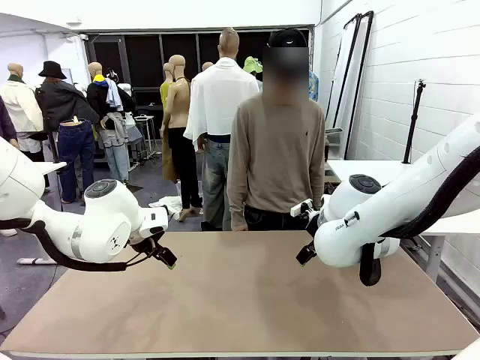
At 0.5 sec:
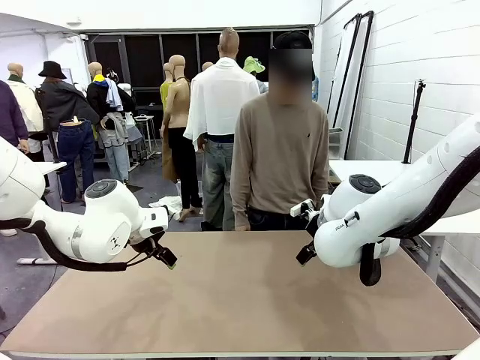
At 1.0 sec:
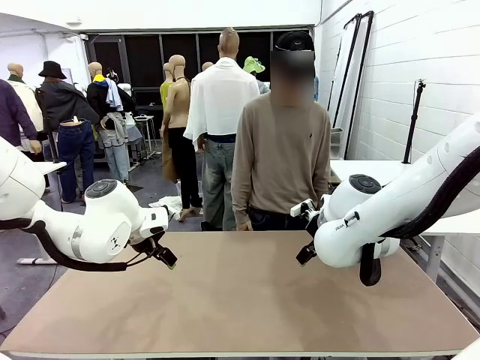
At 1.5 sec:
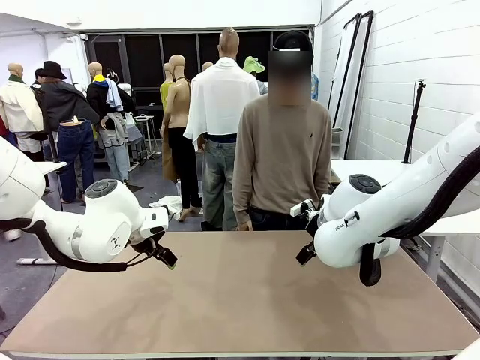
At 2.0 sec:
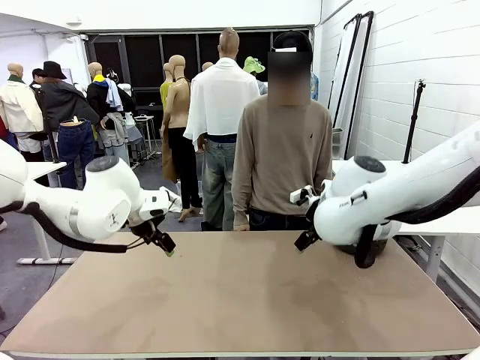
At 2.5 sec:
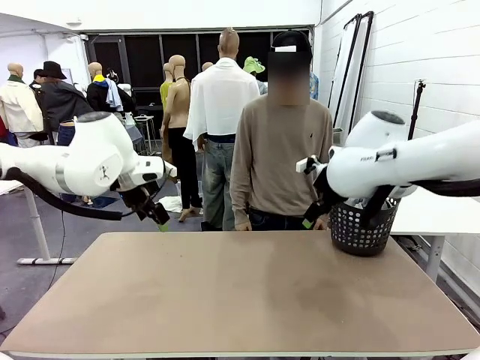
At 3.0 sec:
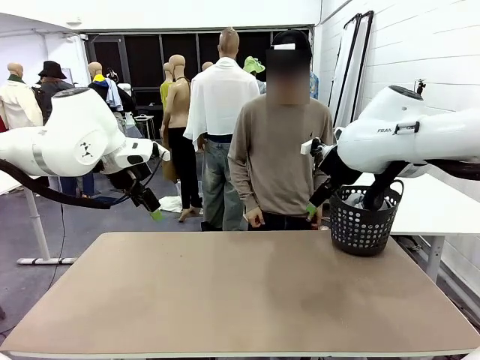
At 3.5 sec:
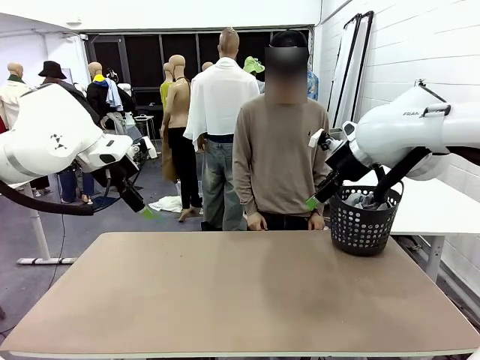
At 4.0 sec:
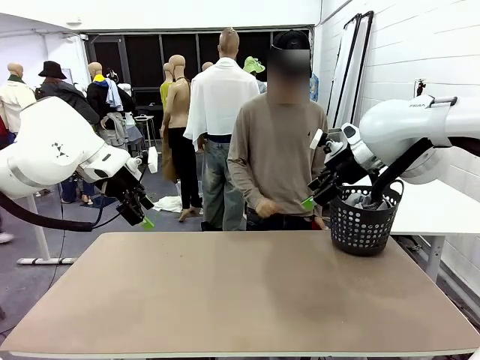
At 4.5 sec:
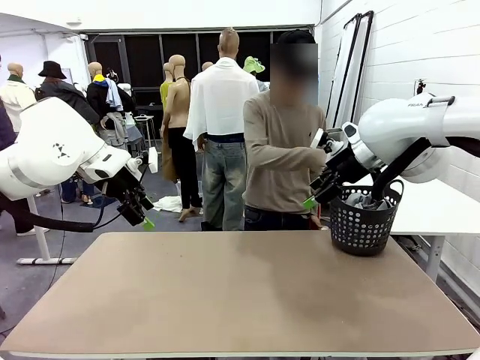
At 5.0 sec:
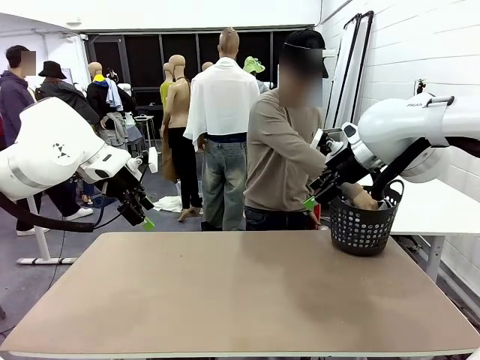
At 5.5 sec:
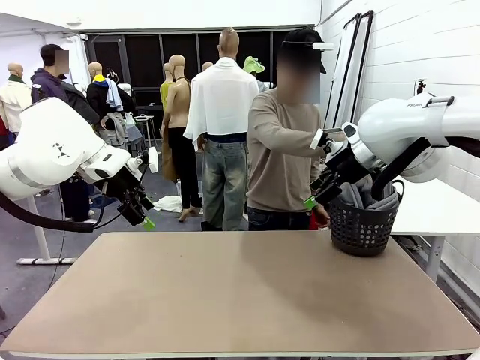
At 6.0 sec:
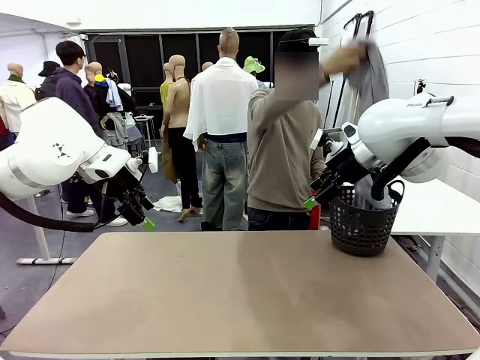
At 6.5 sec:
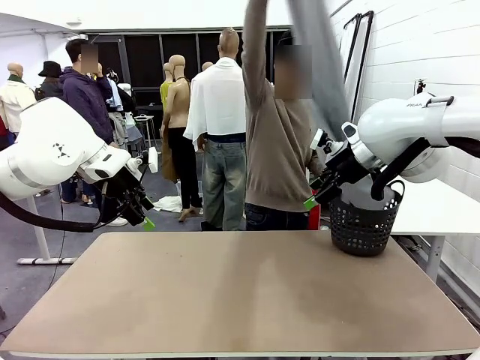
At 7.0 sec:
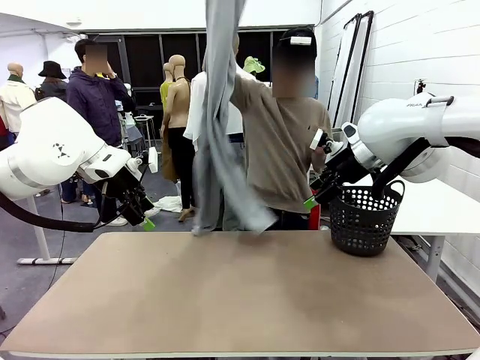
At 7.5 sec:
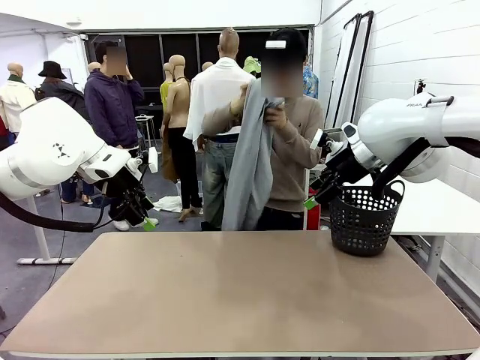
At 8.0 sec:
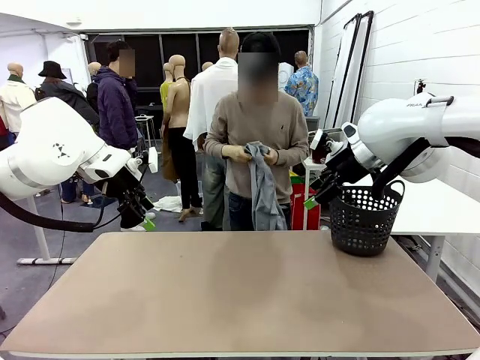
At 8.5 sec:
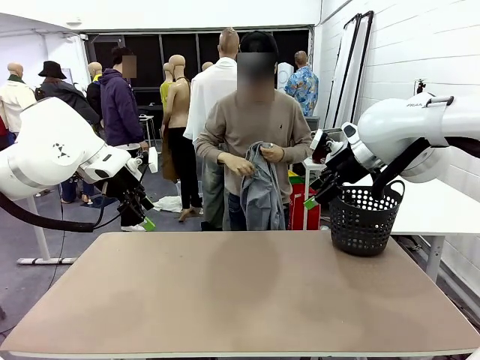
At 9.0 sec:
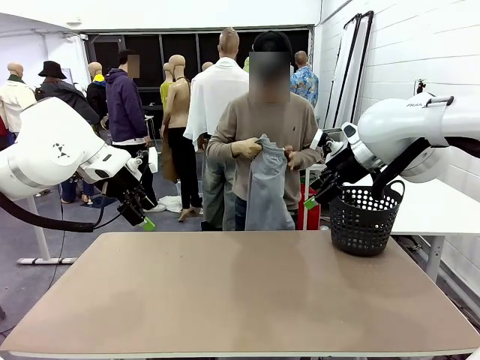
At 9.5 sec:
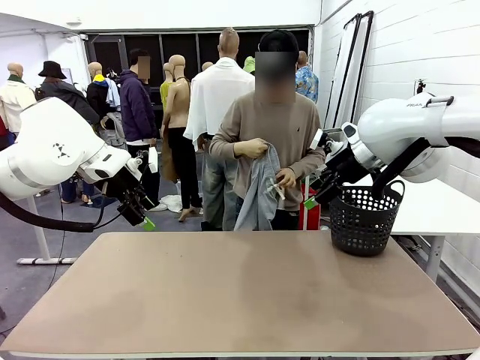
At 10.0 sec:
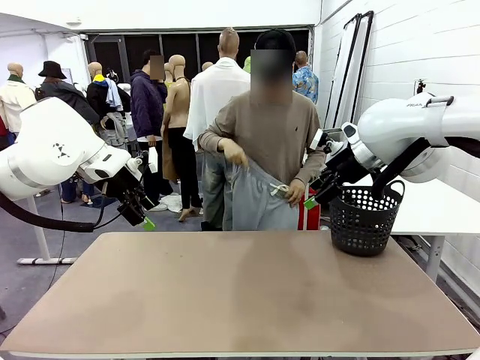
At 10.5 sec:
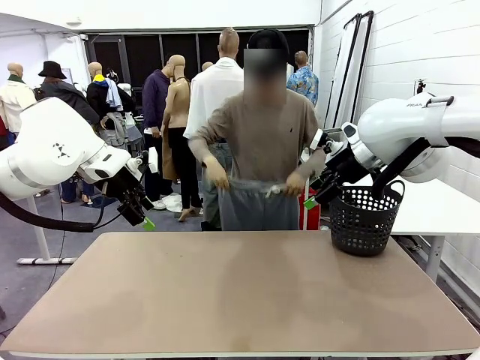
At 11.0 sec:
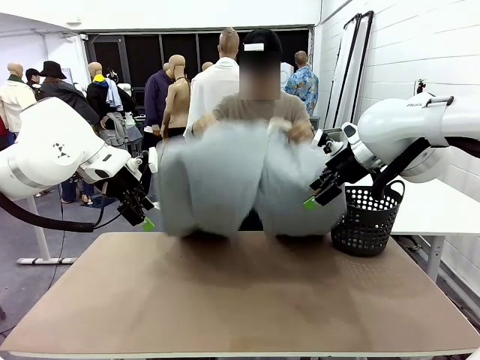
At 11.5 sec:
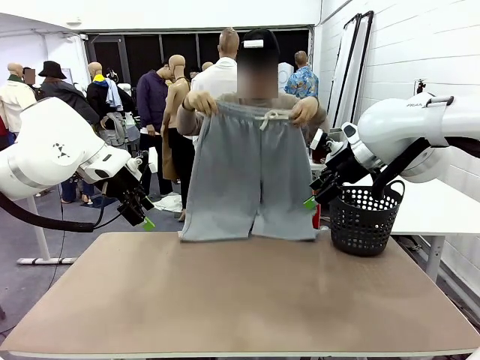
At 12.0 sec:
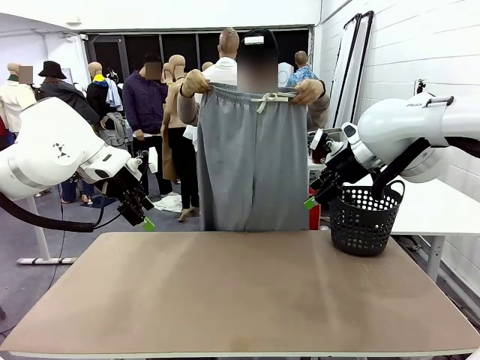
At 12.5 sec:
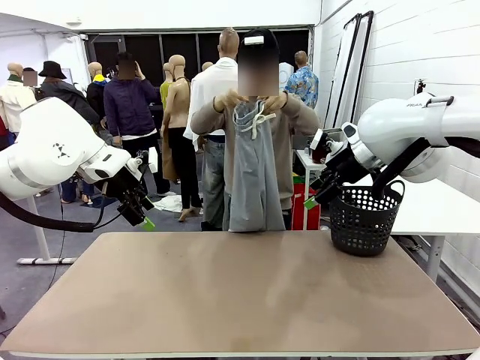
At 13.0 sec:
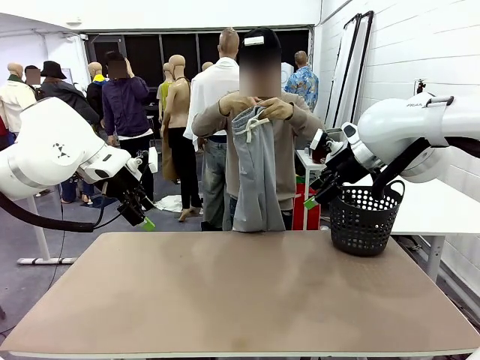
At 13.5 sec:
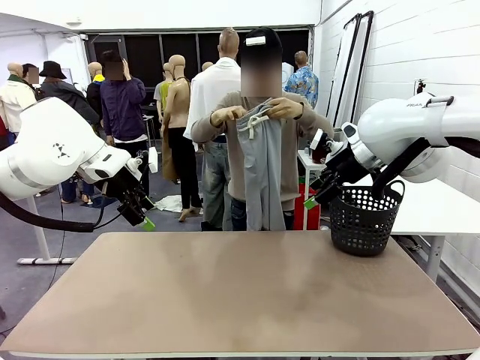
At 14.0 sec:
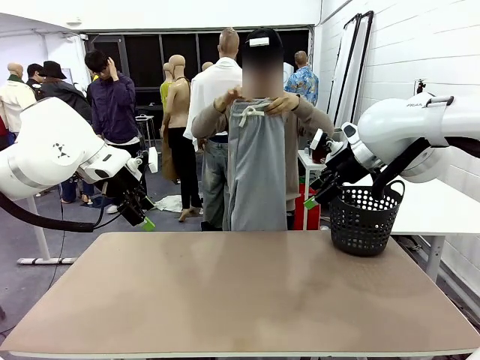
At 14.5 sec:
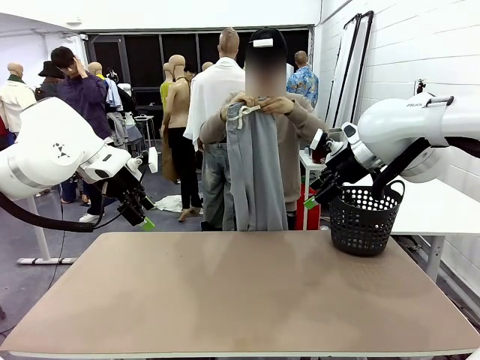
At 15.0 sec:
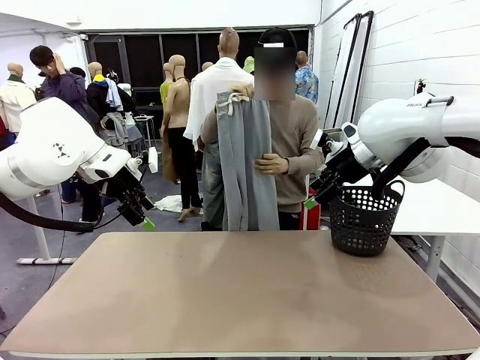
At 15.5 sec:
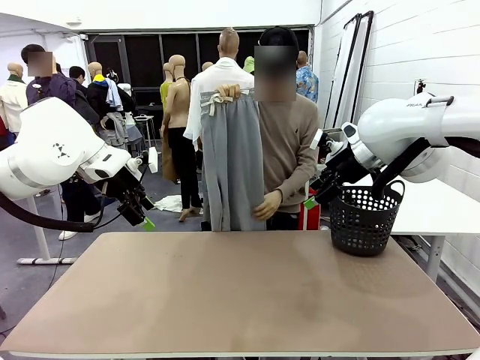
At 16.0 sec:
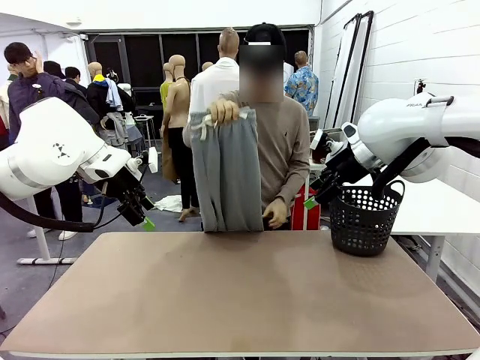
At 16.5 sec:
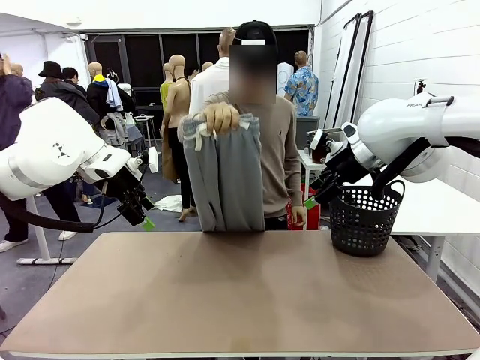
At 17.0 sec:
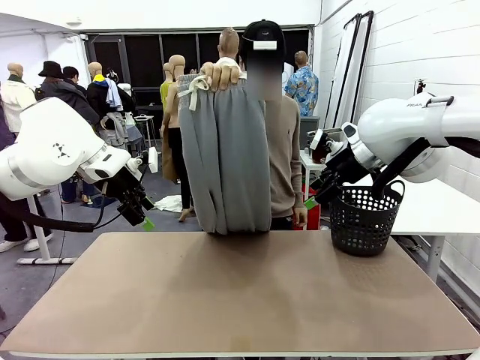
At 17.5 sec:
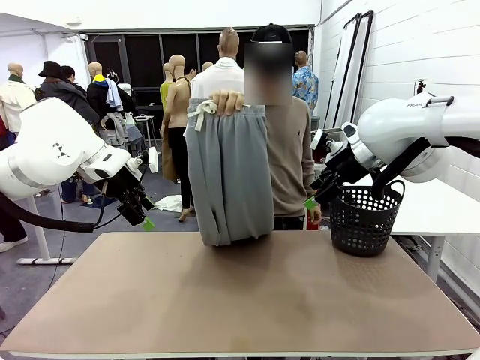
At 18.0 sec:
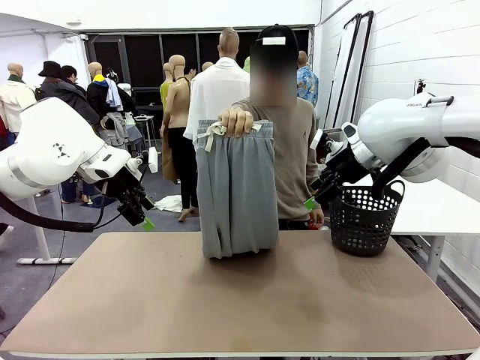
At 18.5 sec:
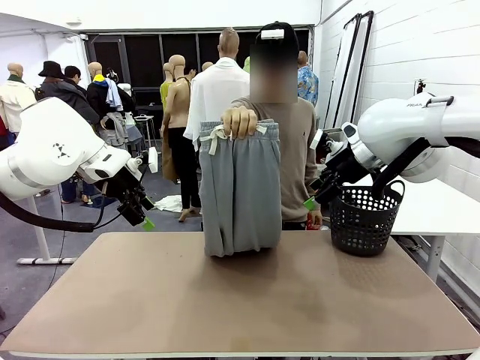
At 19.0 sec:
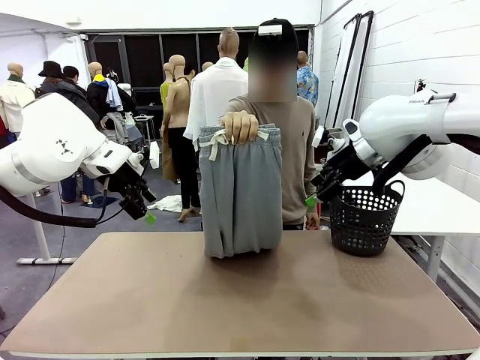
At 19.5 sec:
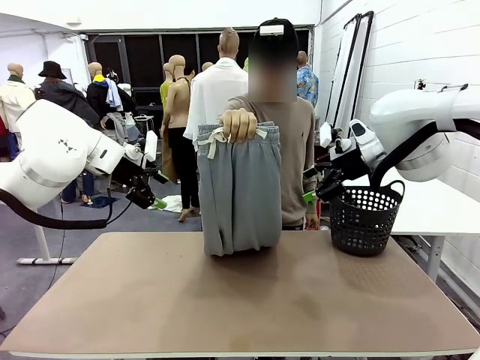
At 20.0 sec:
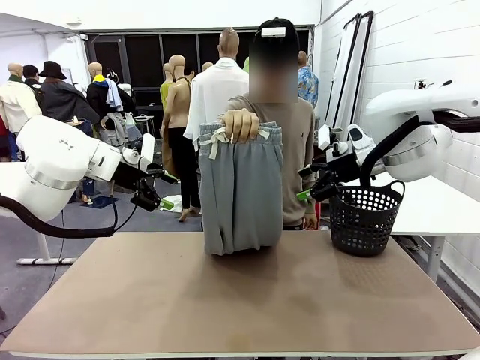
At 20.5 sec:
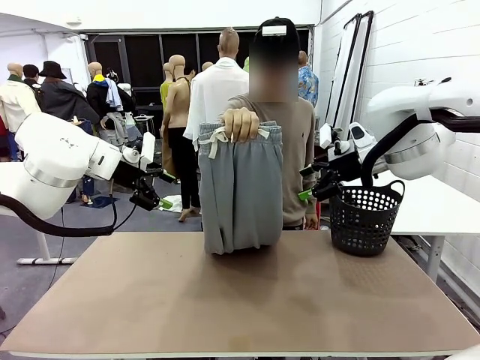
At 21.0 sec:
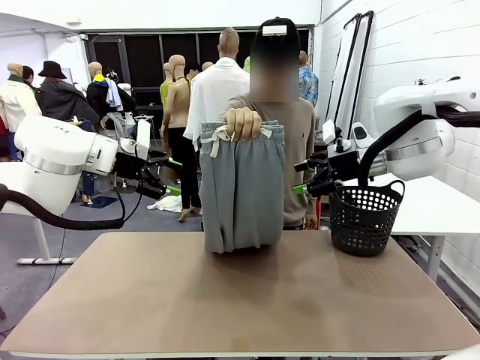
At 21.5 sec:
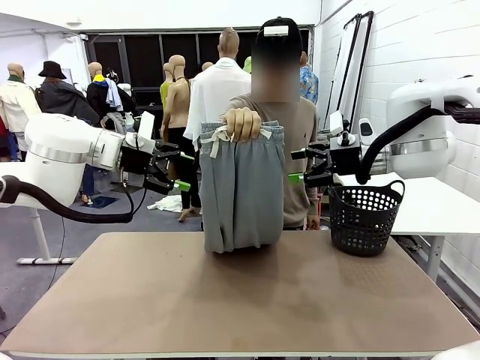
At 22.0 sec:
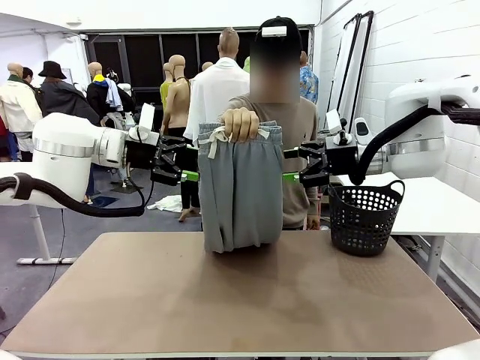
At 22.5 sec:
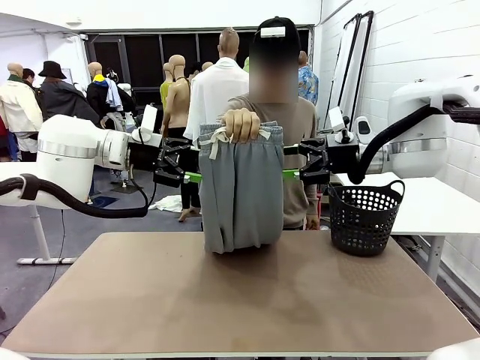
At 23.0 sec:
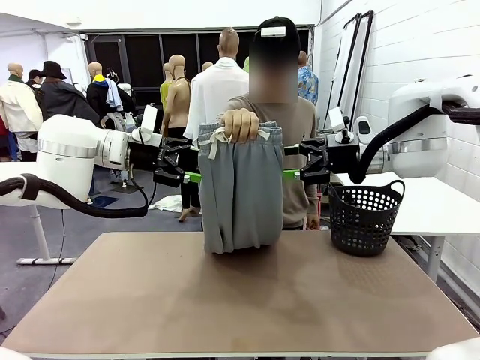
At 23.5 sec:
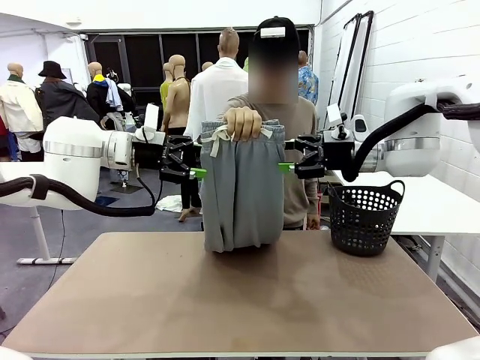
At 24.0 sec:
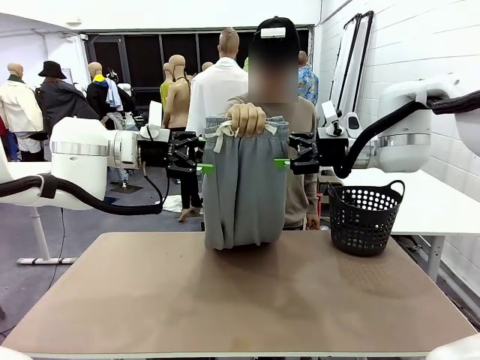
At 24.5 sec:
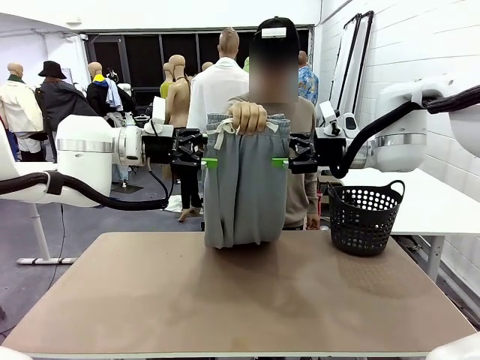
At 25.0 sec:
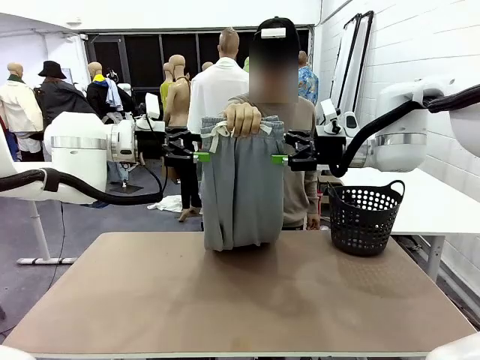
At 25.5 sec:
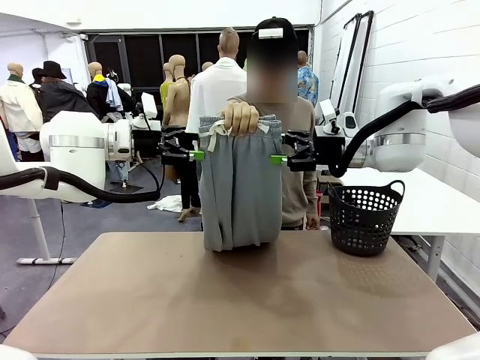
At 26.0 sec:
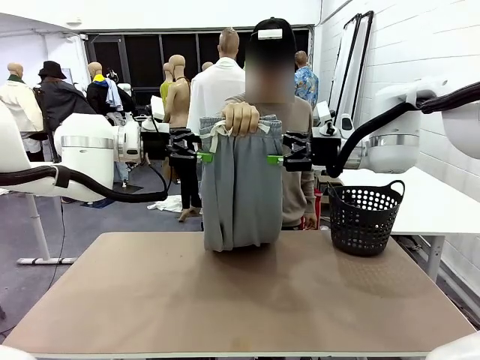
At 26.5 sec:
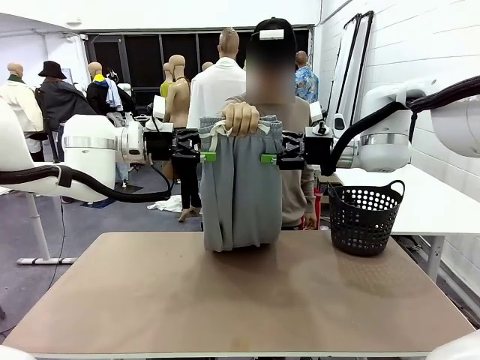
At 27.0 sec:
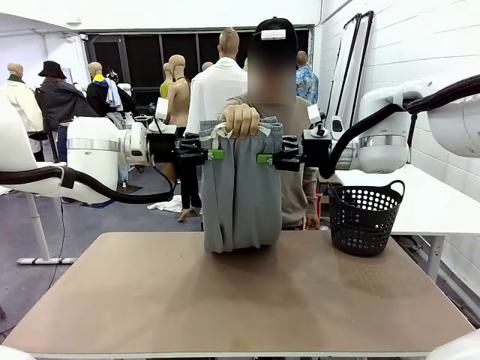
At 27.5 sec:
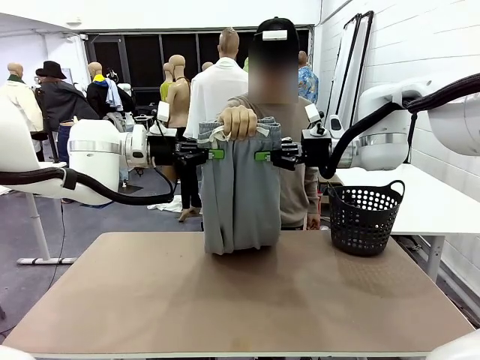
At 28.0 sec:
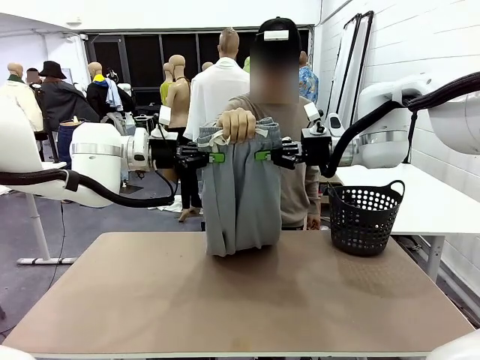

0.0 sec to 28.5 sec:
Task: Fold the training pants.
Robot: Grab both ends of the Training pants handed by a person.
Person: Take the long pants out of the laundry basket, unfold them, fold the waist in half, and extend them so the robot can pick up both corners.
